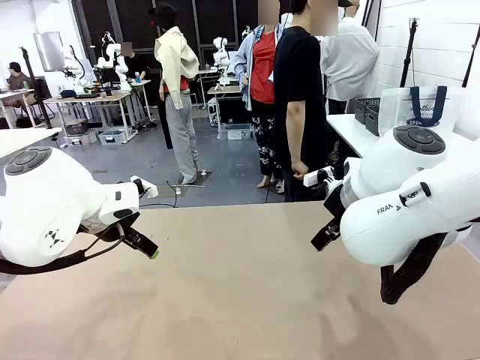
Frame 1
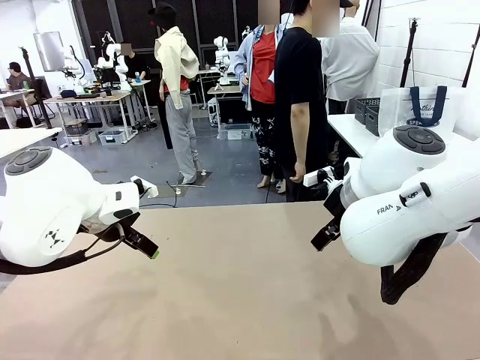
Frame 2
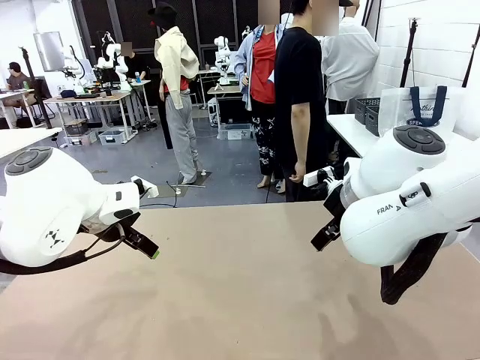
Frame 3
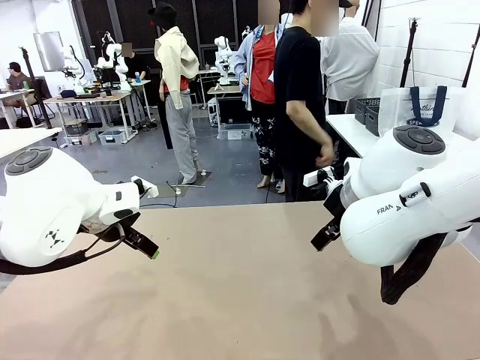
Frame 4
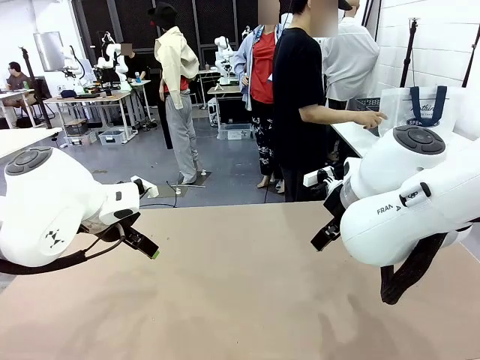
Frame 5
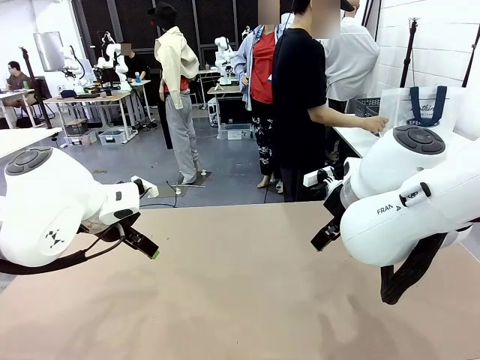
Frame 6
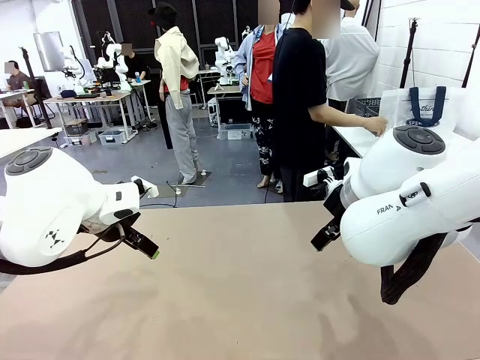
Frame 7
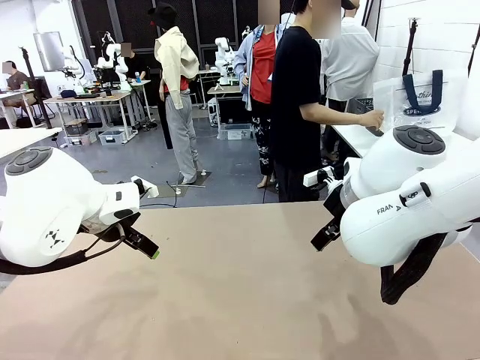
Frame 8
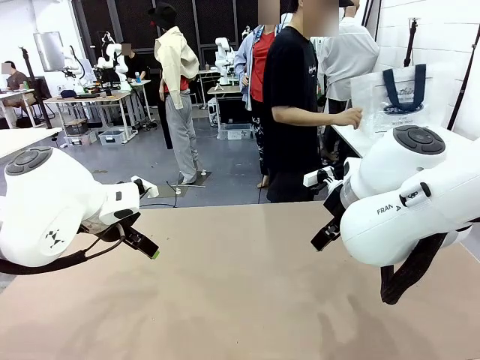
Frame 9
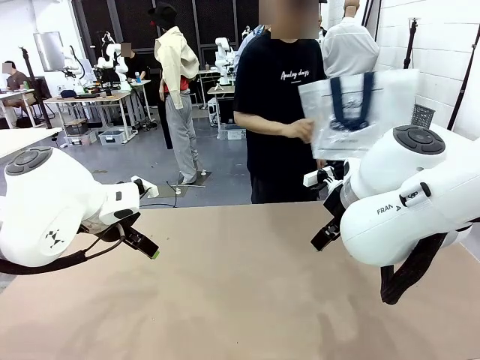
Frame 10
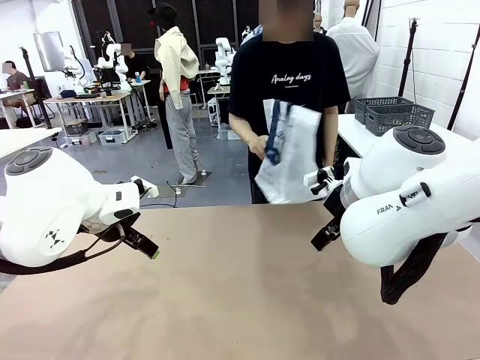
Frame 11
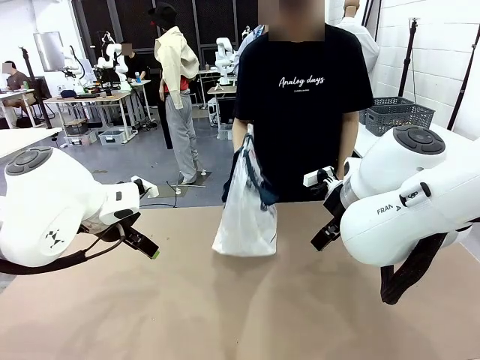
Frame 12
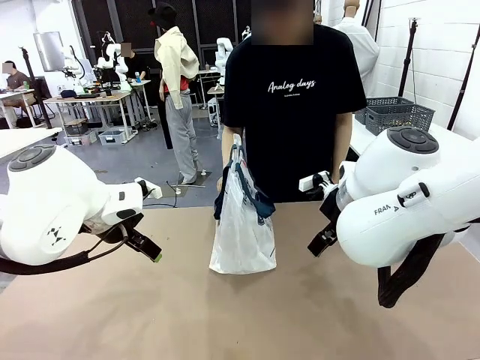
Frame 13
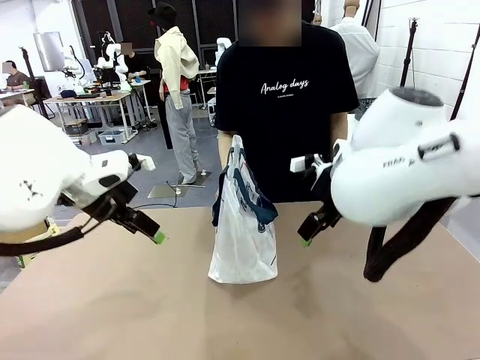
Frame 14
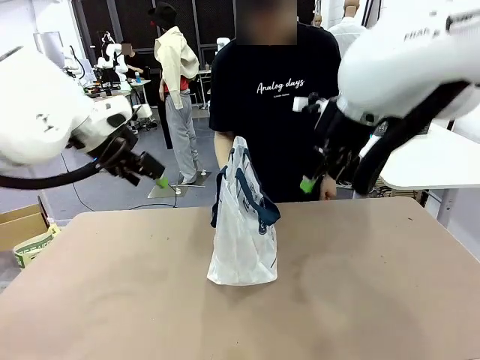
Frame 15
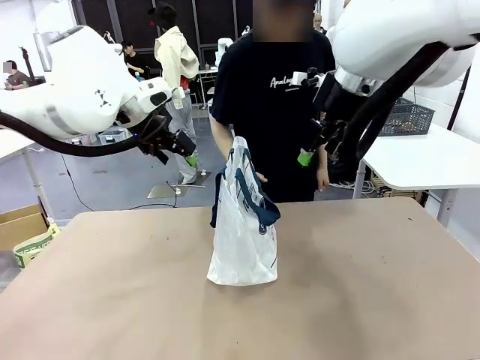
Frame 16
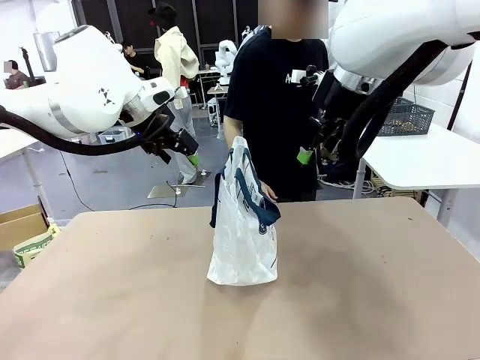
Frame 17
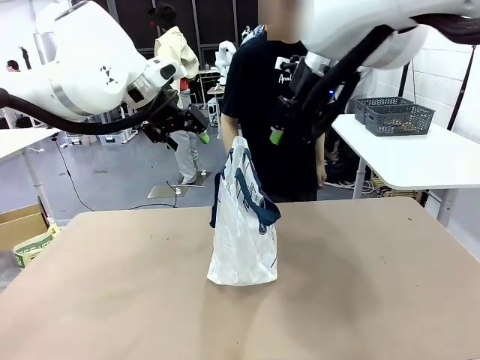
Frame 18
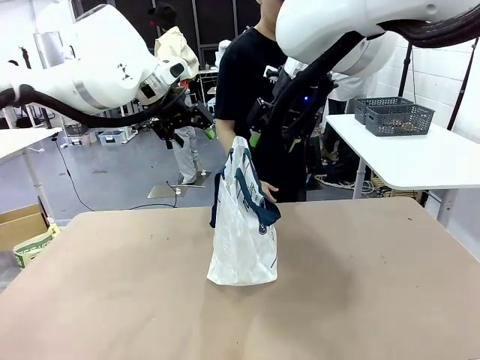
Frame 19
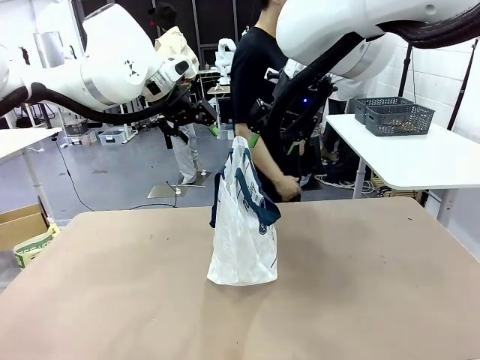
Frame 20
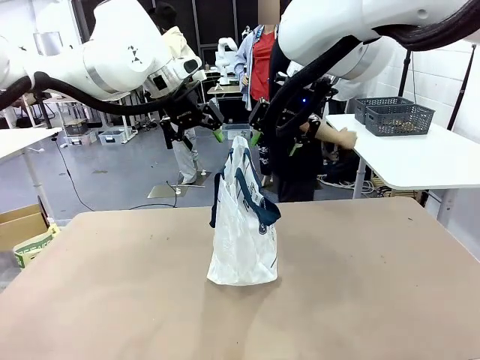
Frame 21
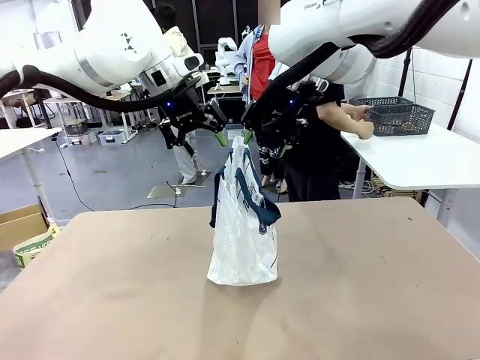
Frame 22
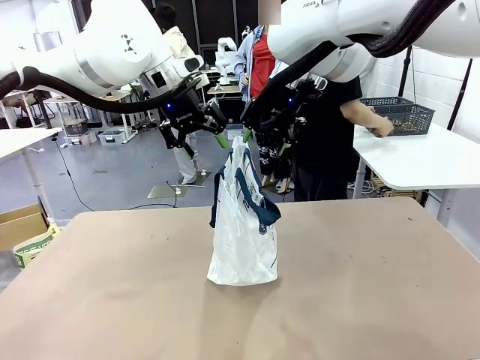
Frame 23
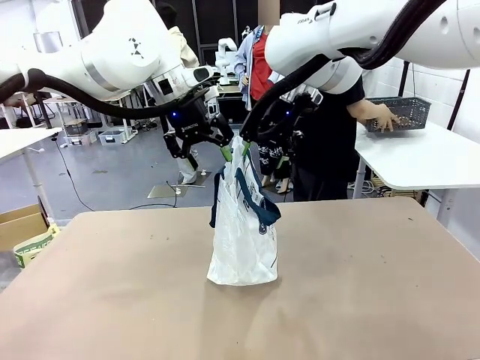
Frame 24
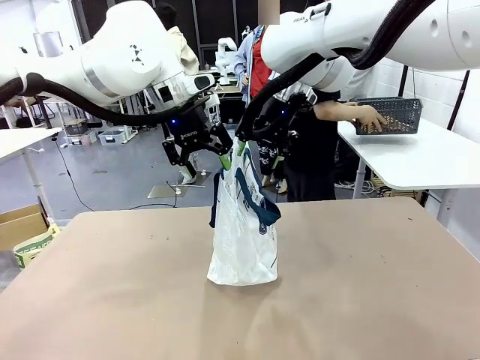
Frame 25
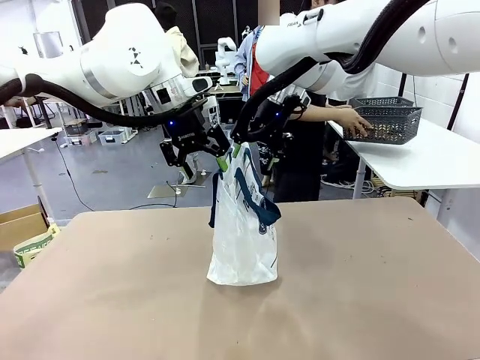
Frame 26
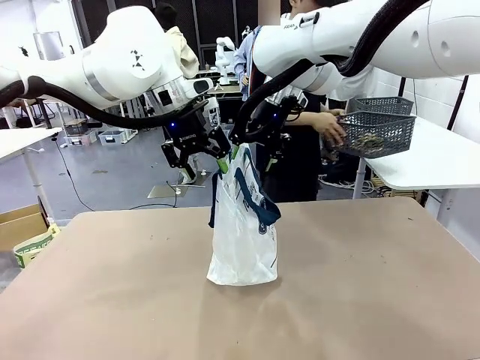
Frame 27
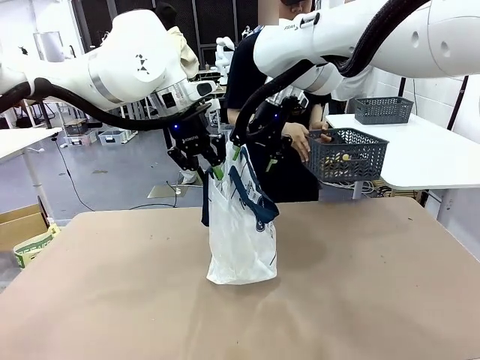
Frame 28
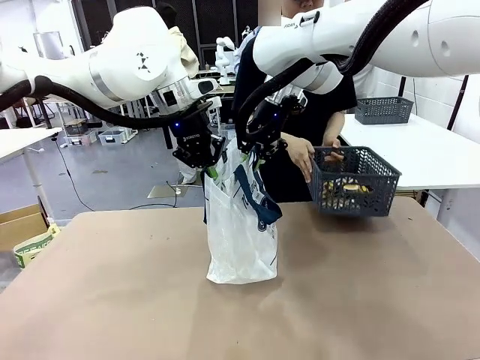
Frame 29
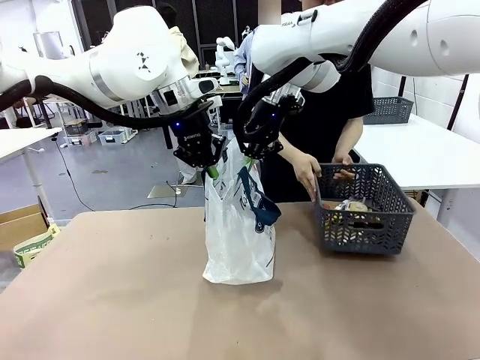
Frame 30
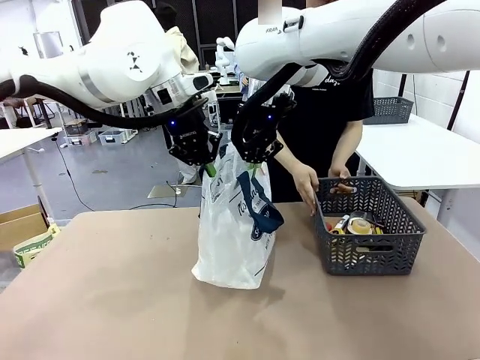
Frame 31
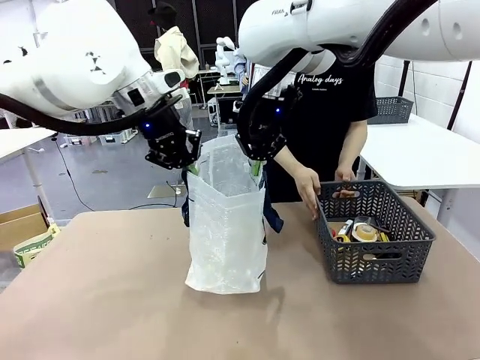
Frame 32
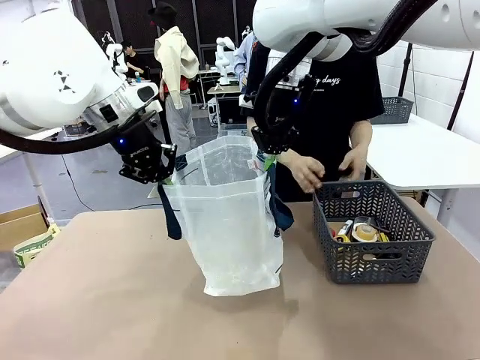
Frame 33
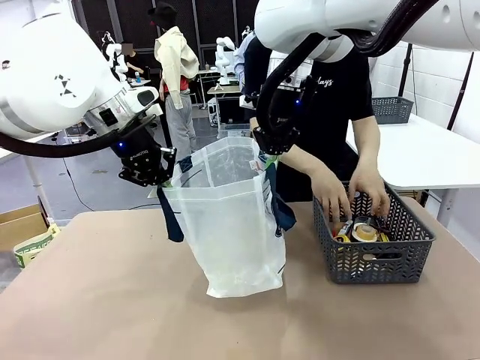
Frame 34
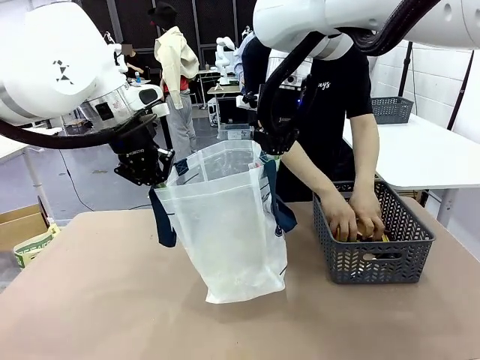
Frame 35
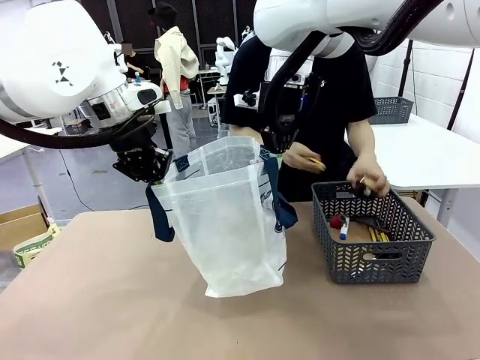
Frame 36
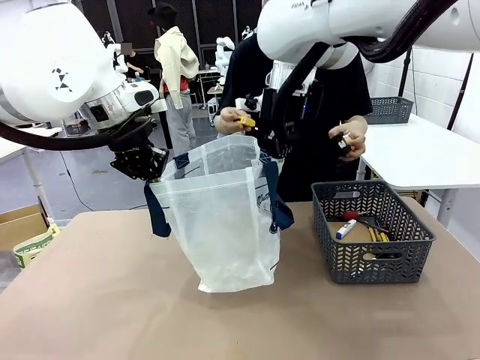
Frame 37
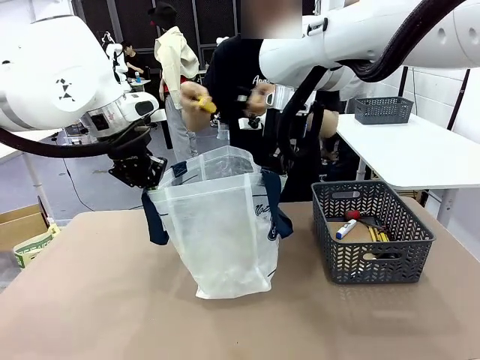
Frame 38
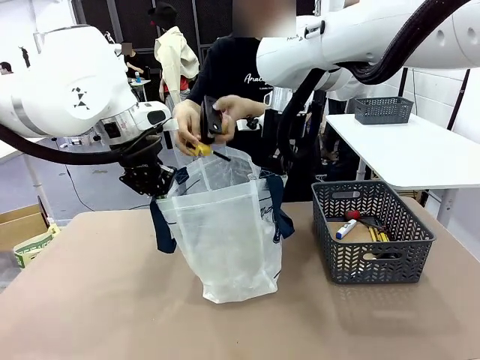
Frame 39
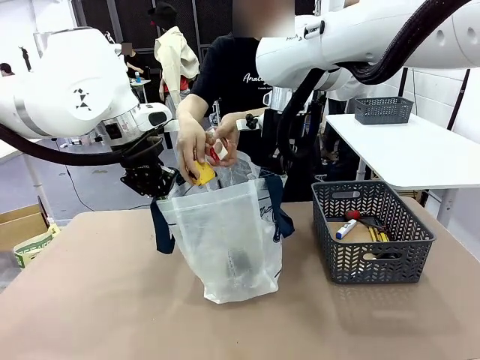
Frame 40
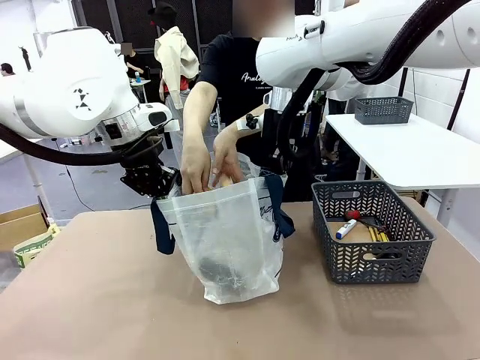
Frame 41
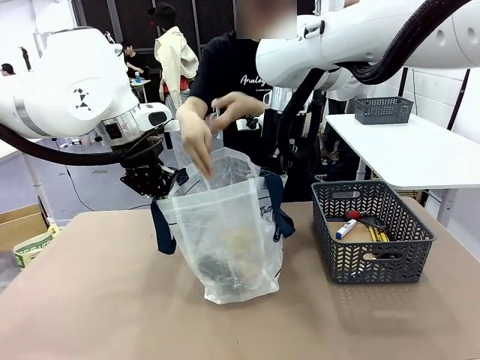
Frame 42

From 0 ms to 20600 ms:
Task: Transfer purchased items from the store into the shopping bag.
Robot: Open the Reusable shopping bag in the center of the table.
Person: Pick up the shopping bag and place it in the middle of the robot table. Pick up the basket on the right, place it on the left side of the robot table, and move the items in the basket to the shopping bag.
